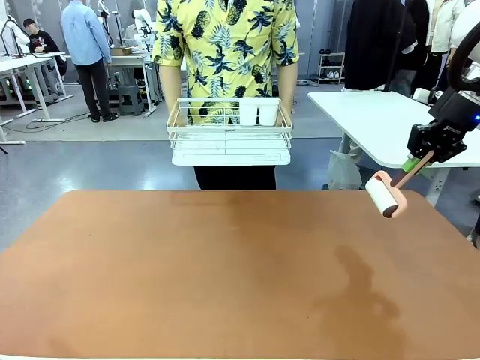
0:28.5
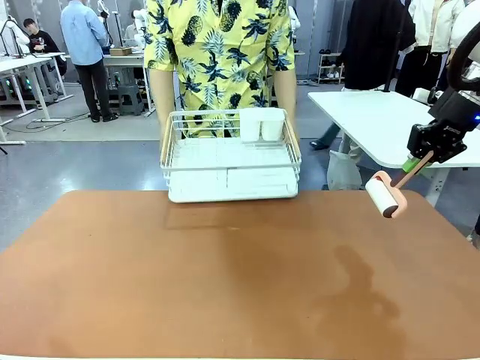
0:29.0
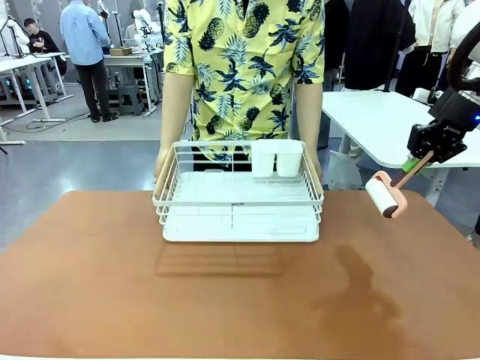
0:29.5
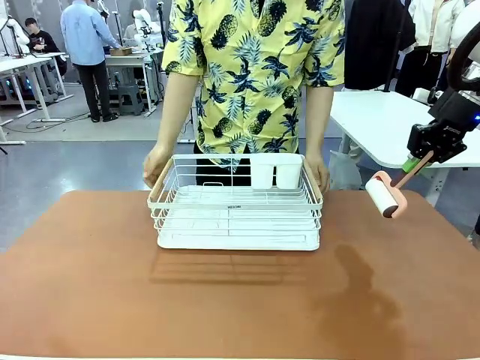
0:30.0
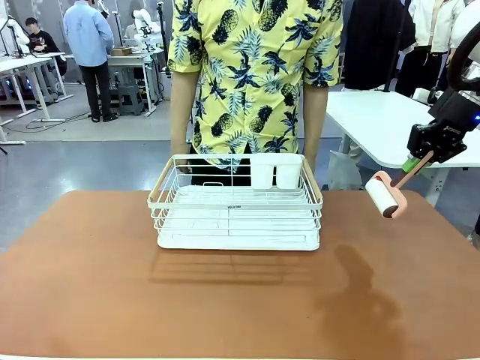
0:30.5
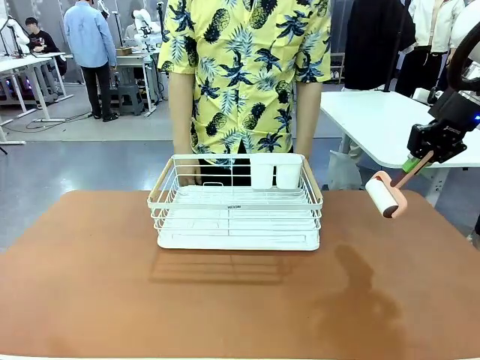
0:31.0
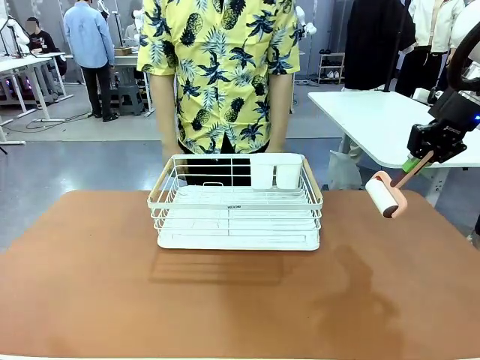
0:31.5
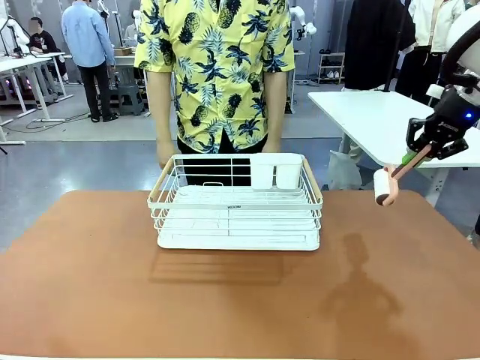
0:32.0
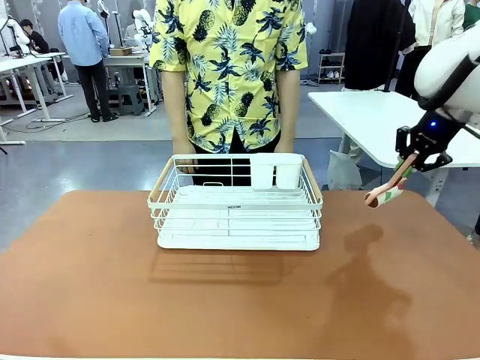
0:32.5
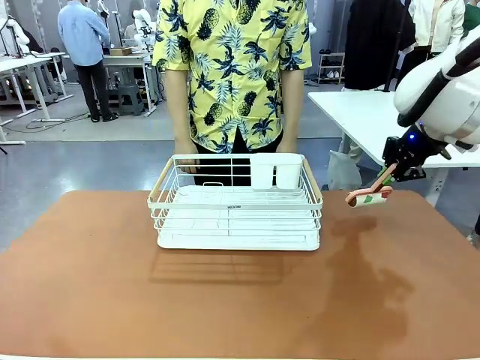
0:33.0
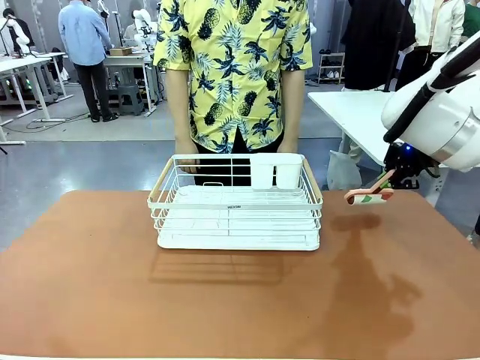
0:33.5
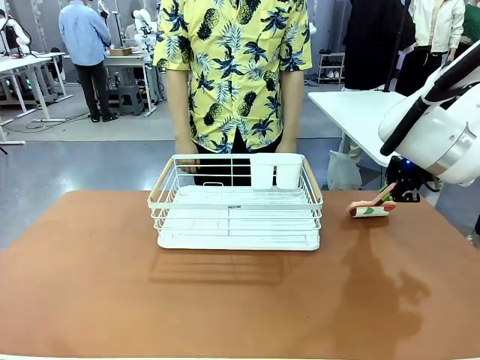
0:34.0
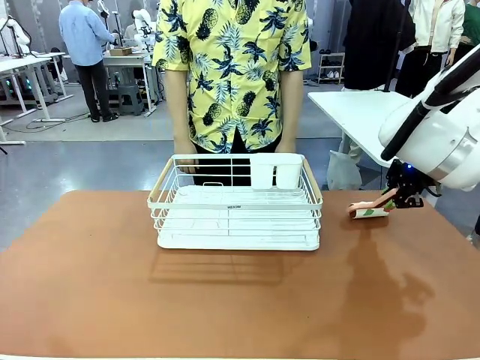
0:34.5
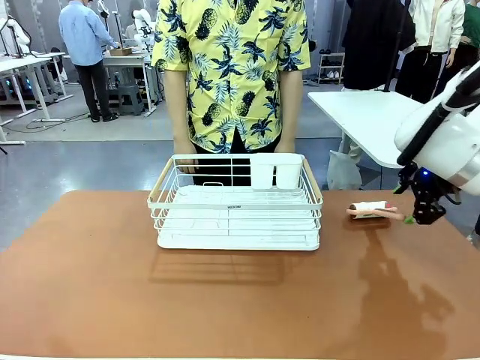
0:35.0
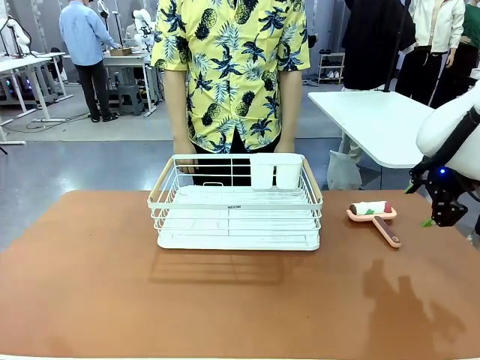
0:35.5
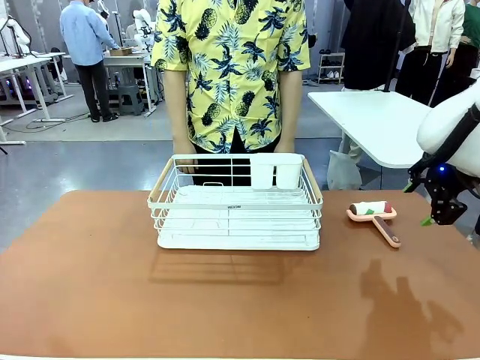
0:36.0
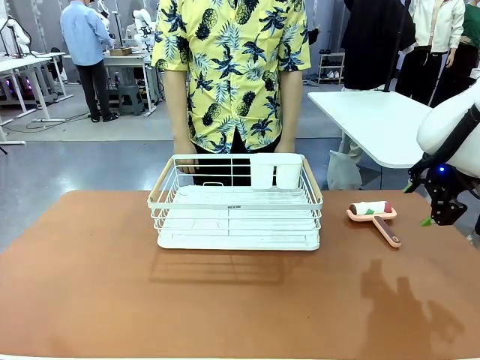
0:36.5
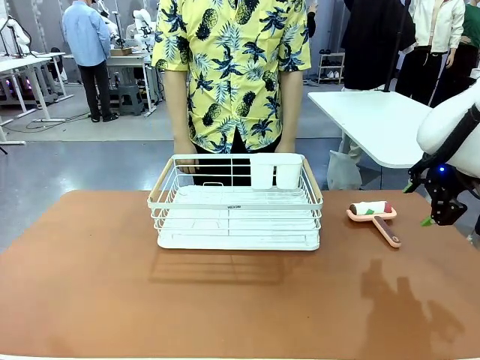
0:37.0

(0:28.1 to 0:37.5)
Task: Clean the table.
Robot: Place the Lint Roller down when the Dish drying rack is positioned in the middle of the table.

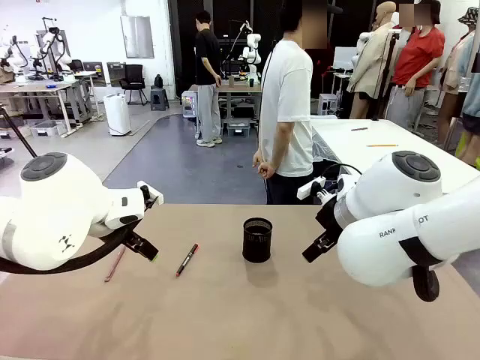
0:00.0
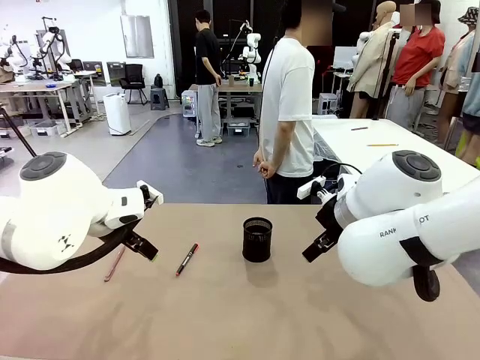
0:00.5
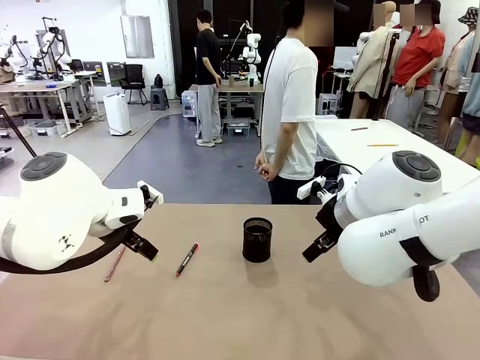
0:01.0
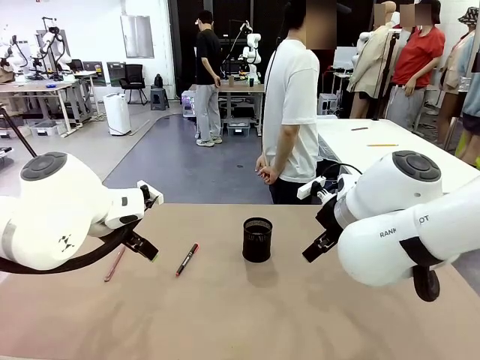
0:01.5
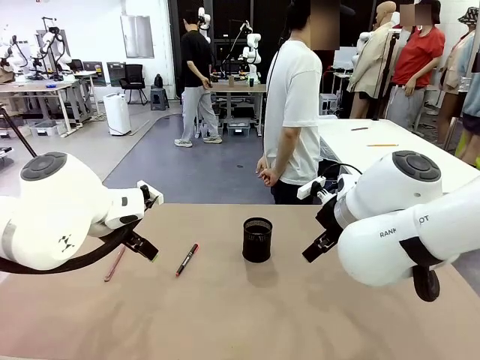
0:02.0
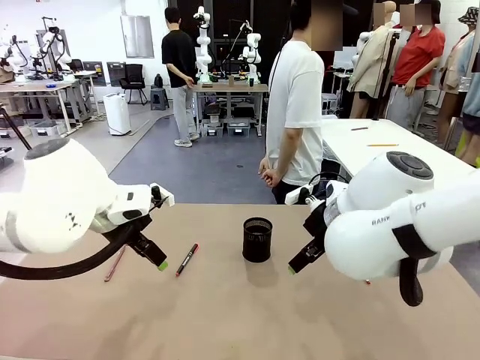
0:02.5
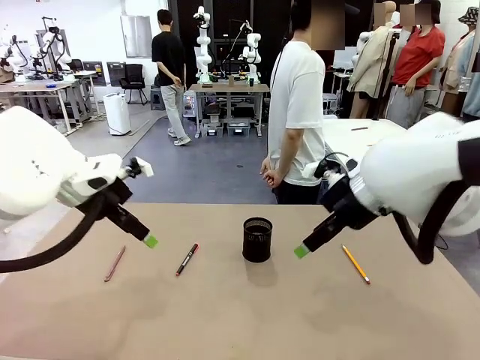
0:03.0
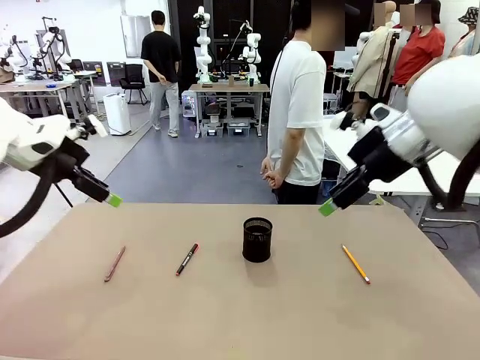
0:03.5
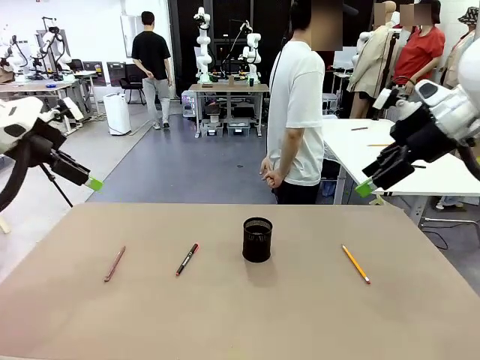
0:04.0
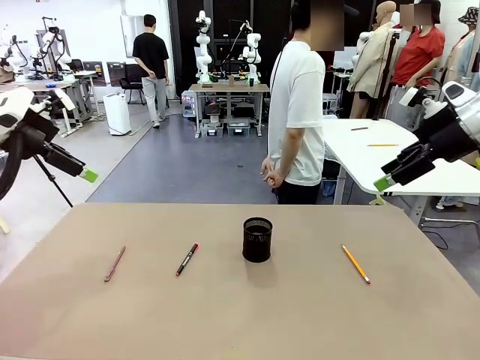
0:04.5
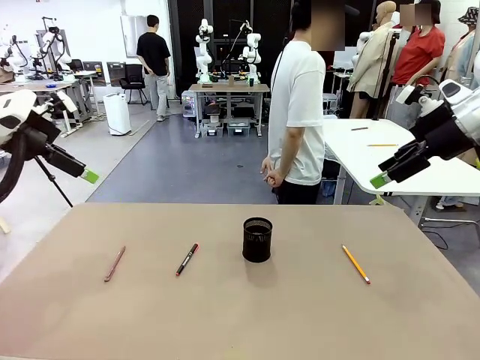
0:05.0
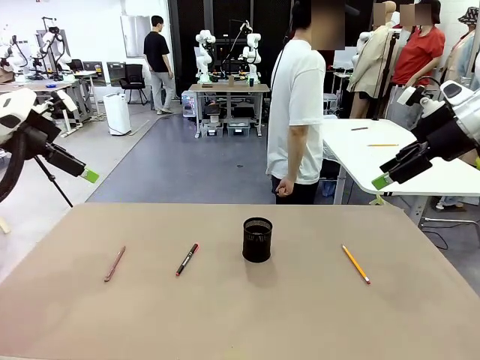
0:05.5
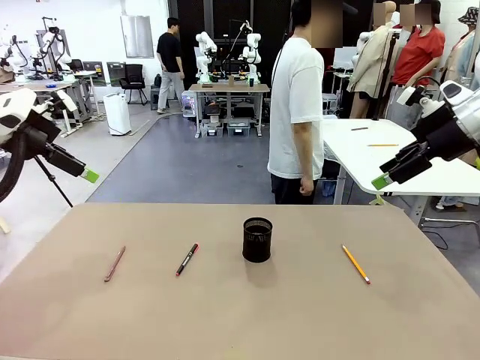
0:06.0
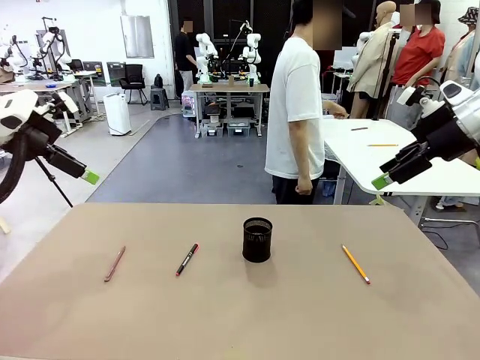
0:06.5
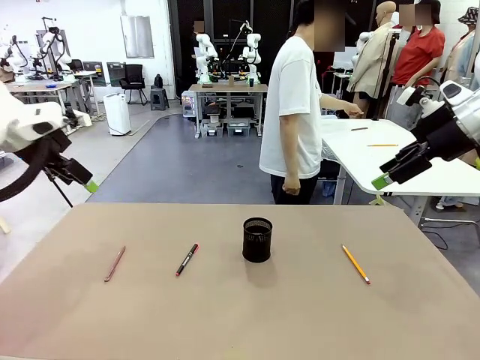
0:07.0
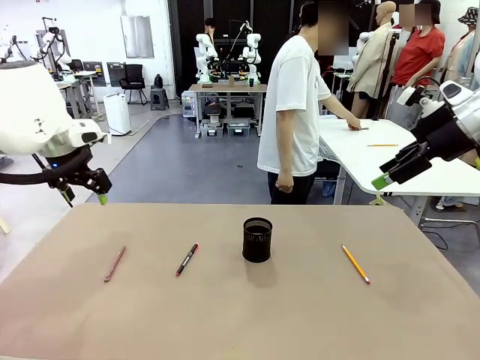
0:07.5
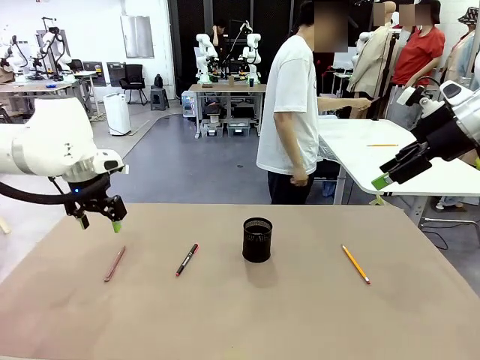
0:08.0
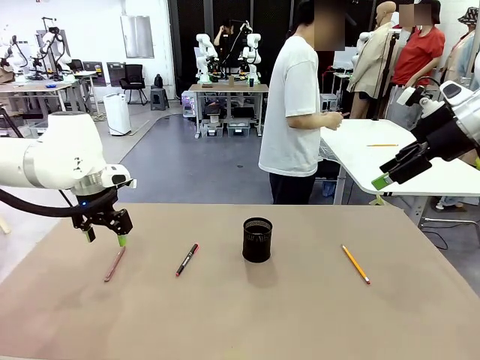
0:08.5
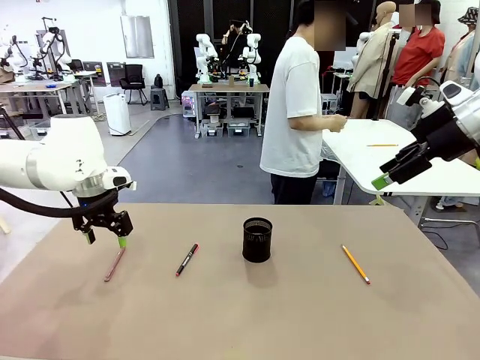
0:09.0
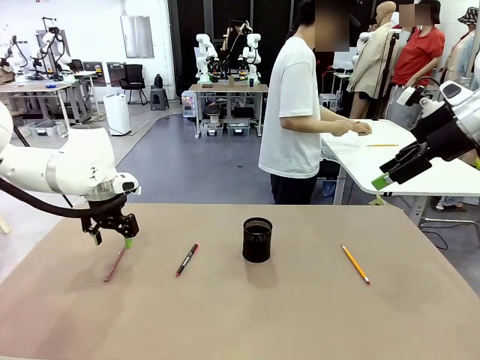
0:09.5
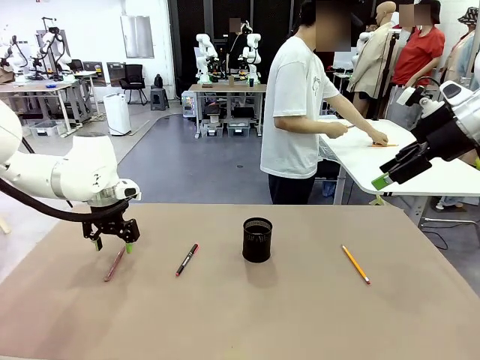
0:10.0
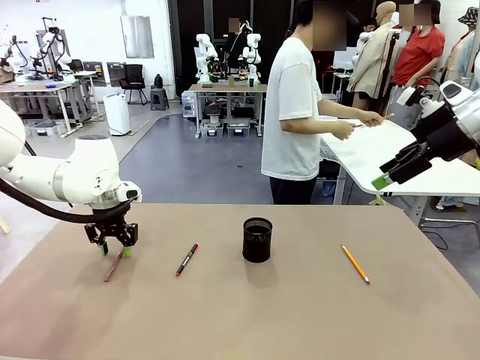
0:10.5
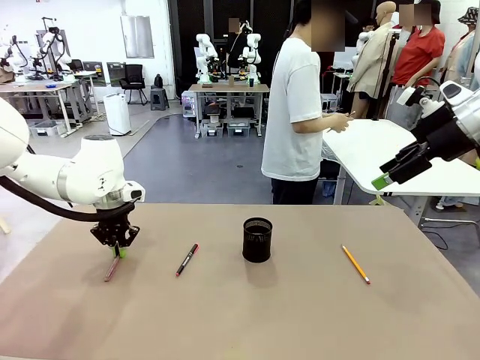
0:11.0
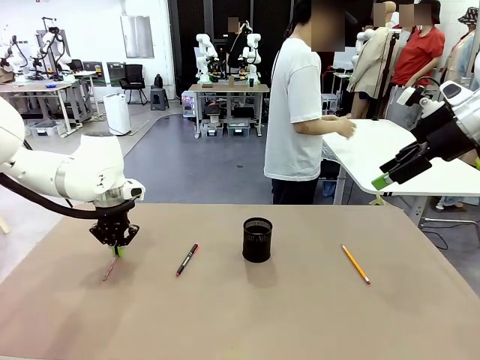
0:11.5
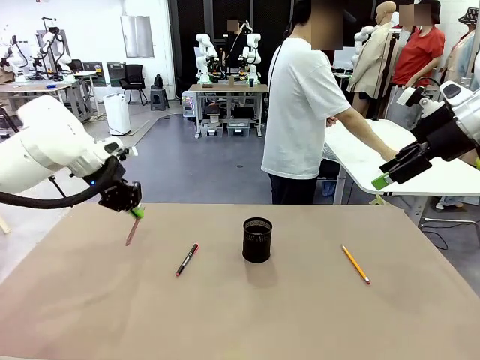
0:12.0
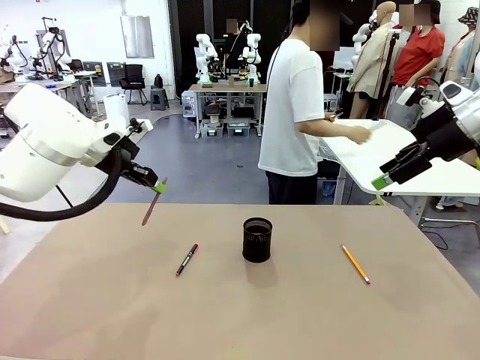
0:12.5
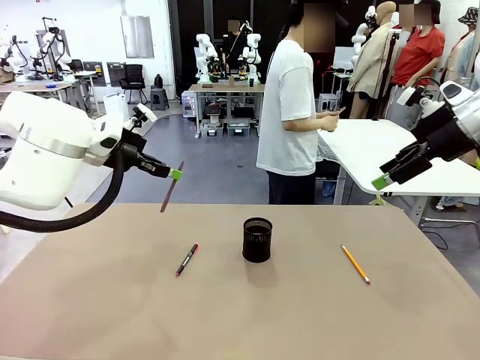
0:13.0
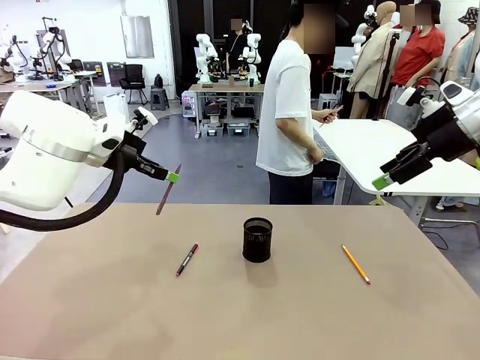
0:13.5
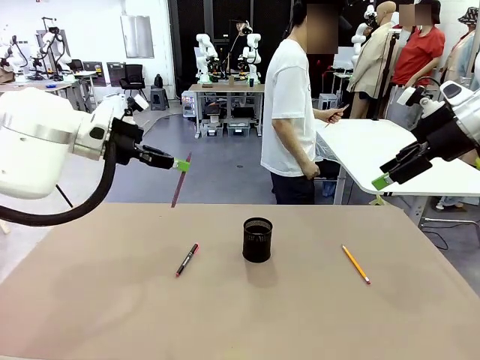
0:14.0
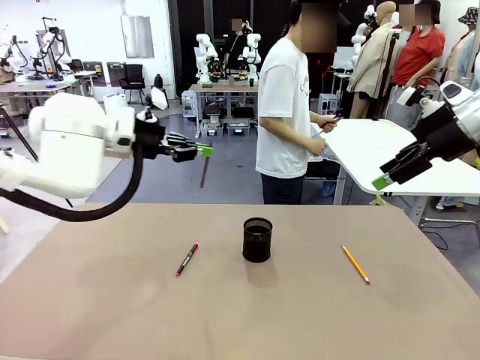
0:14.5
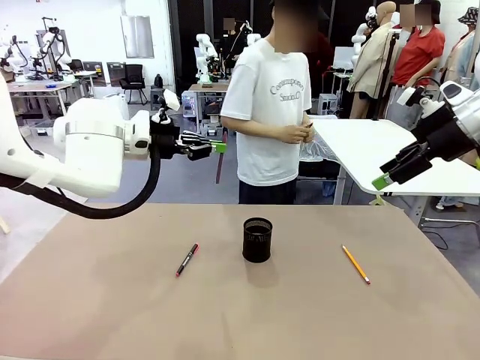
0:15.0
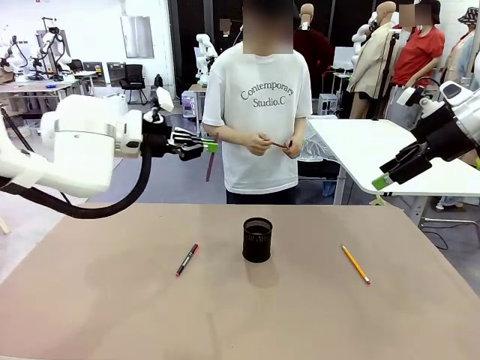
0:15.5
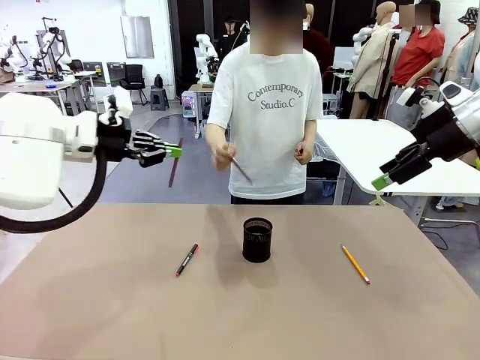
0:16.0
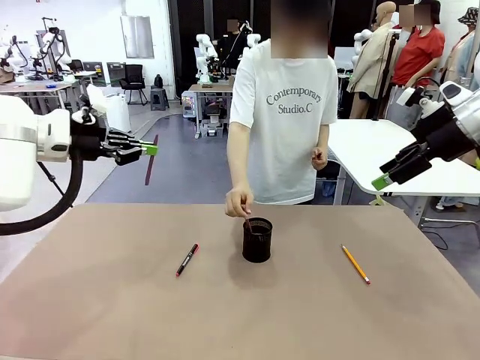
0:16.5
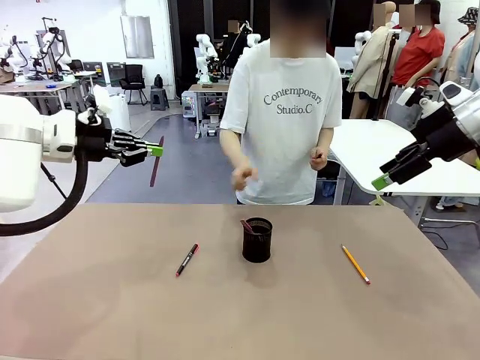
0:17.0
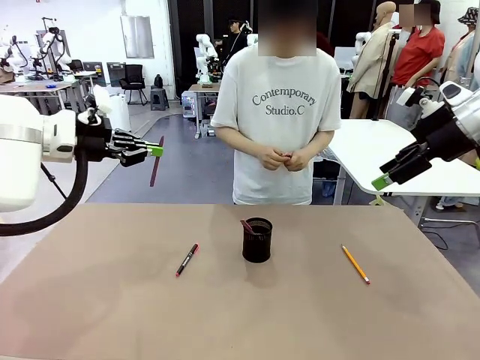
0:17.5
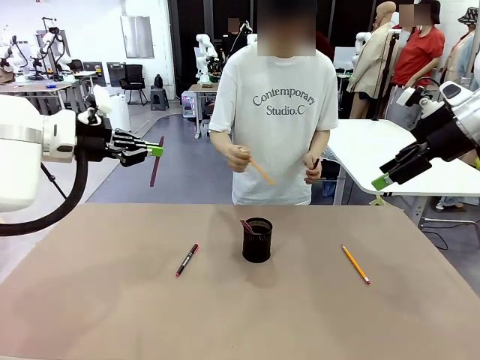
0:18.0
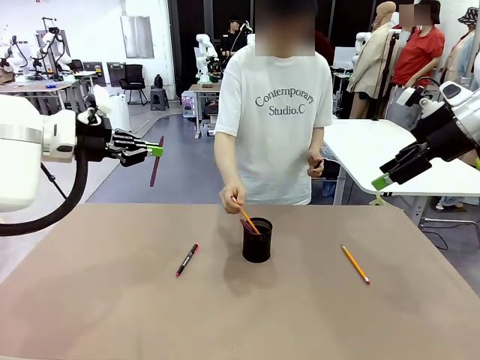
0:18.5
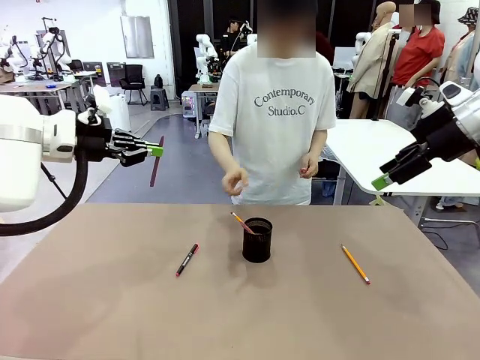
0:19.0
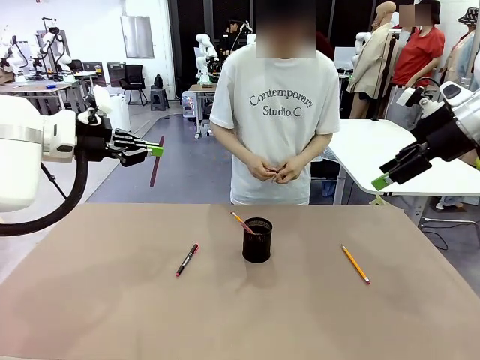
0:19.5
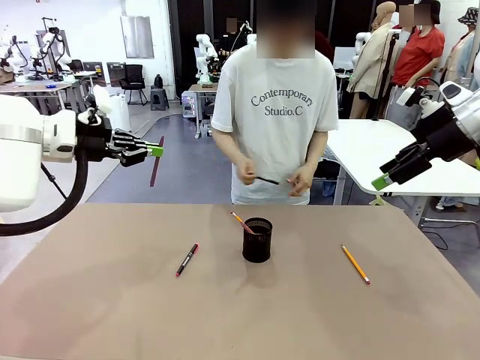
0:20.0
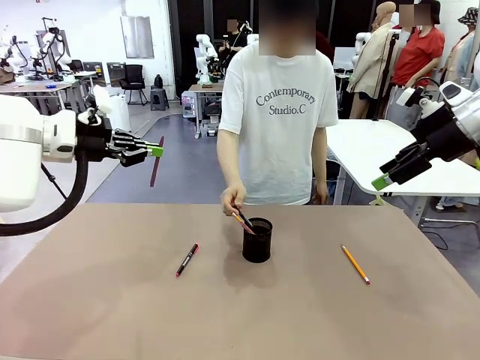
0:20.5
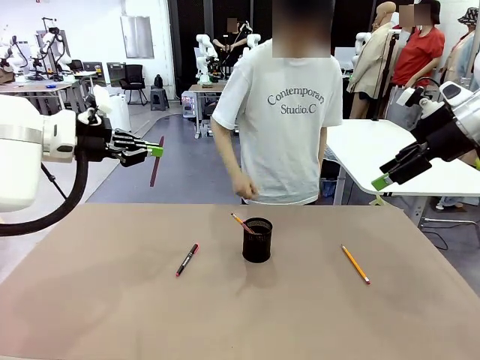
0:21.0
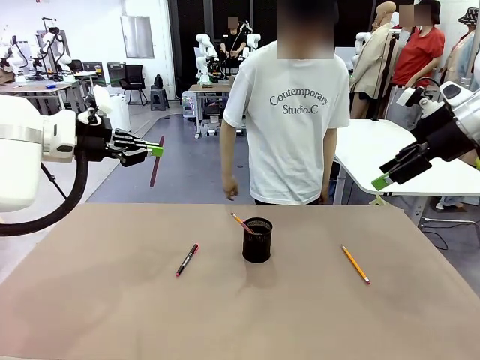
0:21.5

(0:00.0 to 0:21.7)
Task: Place the pens into the pen holder.
Robot: Pick up a writing instrument from the table and place it into the Pen holder.
Person: Pick up all writing instruments from the Human table.
